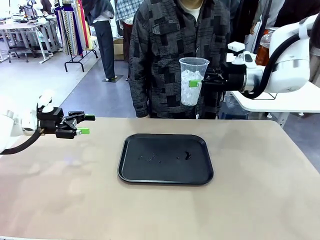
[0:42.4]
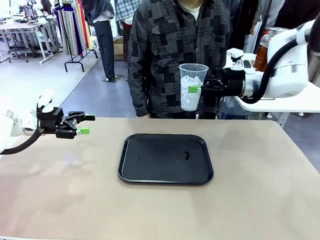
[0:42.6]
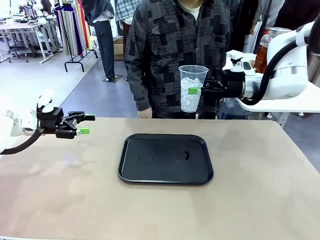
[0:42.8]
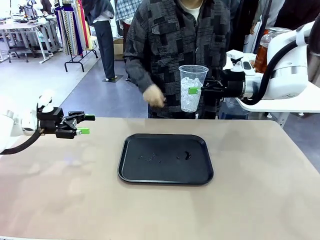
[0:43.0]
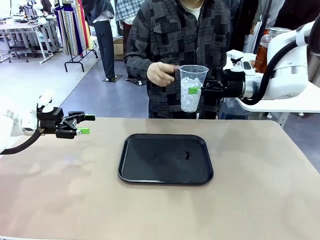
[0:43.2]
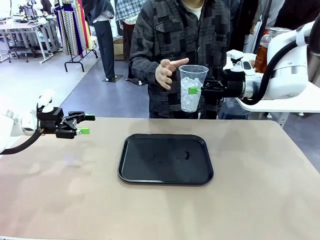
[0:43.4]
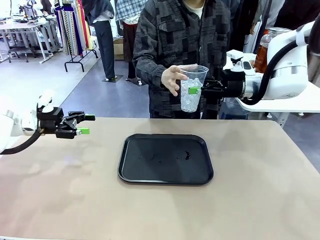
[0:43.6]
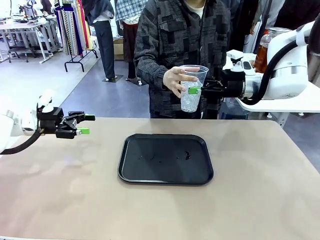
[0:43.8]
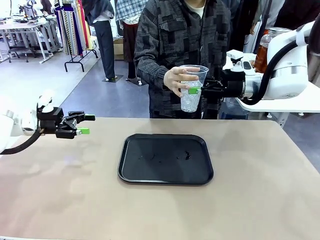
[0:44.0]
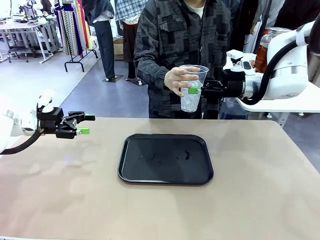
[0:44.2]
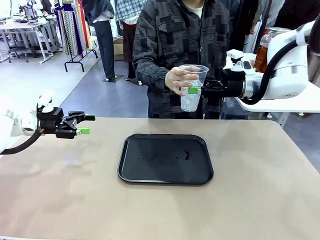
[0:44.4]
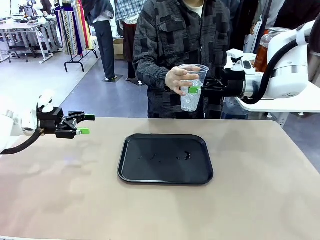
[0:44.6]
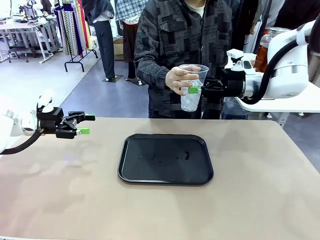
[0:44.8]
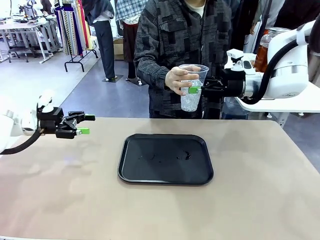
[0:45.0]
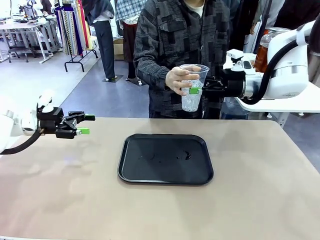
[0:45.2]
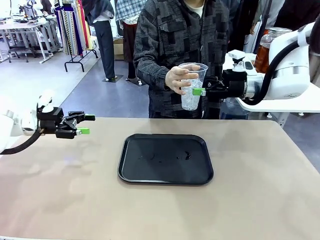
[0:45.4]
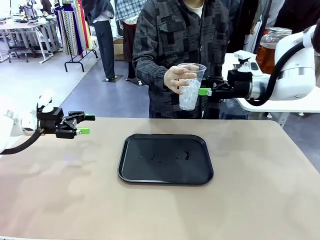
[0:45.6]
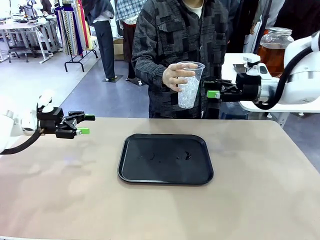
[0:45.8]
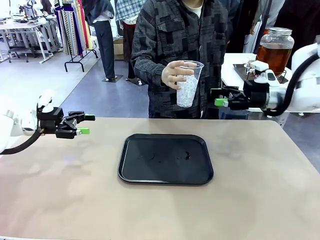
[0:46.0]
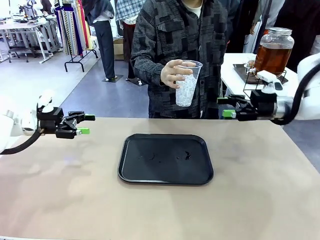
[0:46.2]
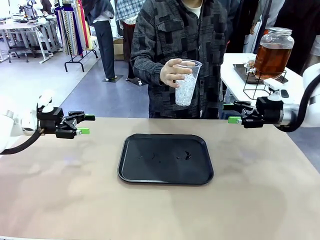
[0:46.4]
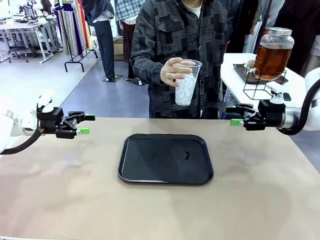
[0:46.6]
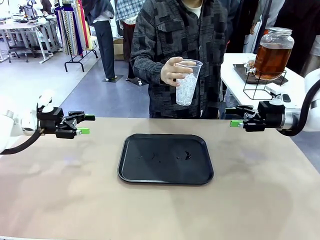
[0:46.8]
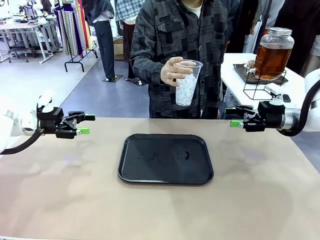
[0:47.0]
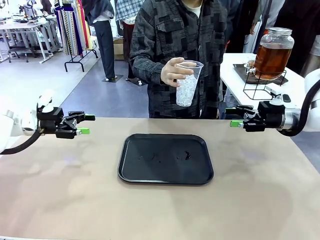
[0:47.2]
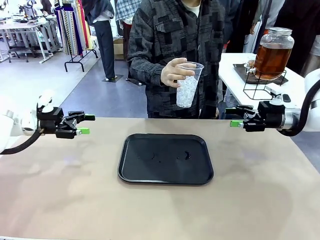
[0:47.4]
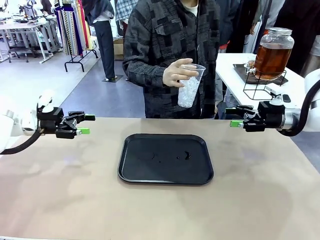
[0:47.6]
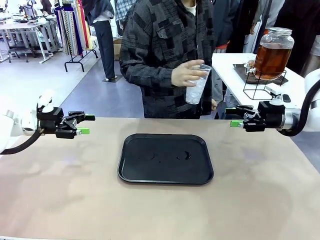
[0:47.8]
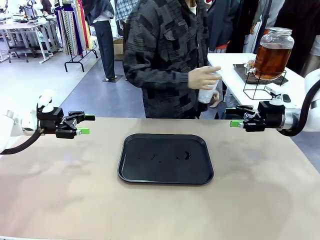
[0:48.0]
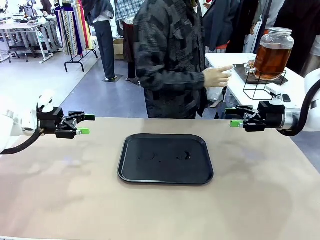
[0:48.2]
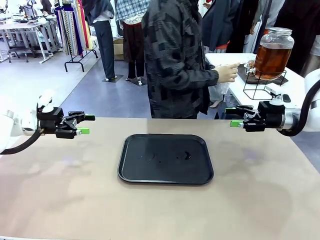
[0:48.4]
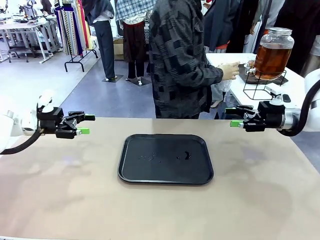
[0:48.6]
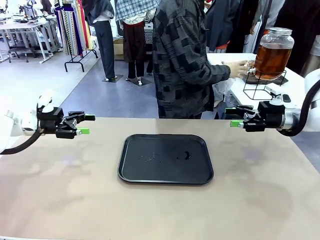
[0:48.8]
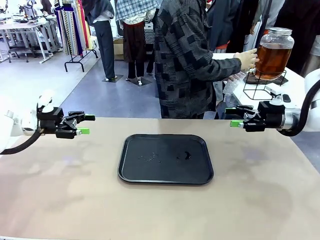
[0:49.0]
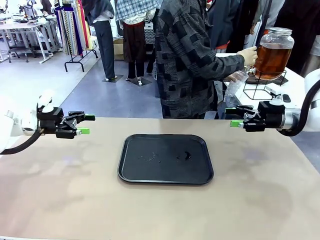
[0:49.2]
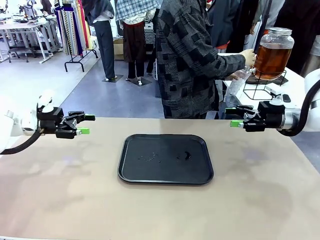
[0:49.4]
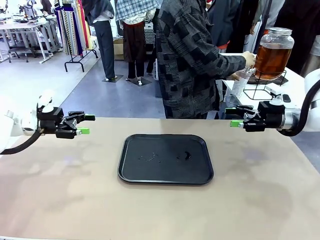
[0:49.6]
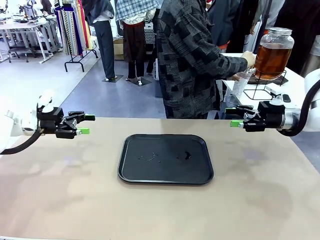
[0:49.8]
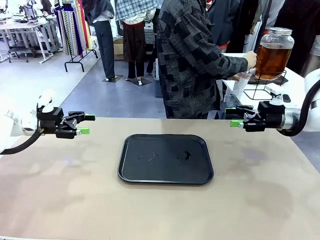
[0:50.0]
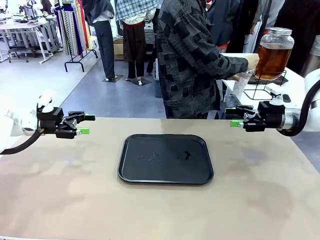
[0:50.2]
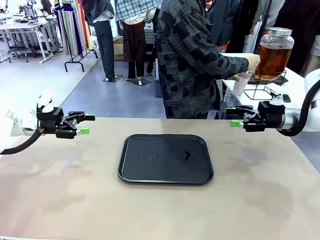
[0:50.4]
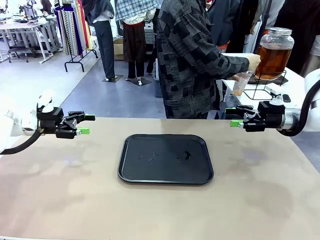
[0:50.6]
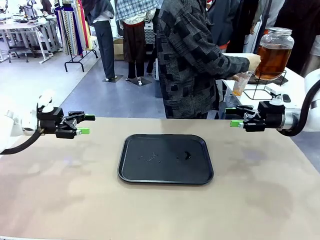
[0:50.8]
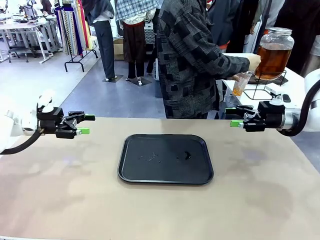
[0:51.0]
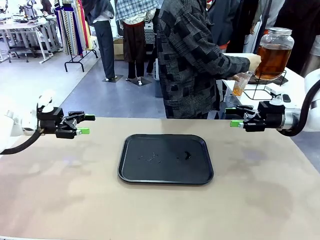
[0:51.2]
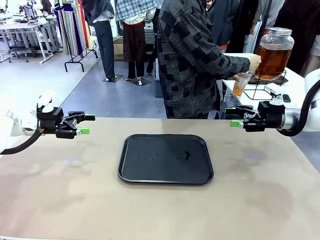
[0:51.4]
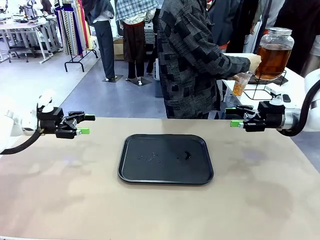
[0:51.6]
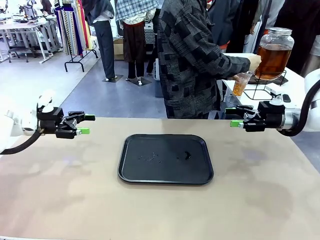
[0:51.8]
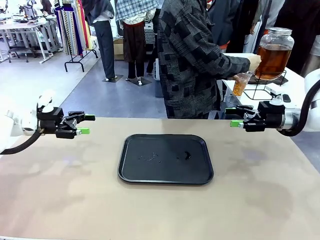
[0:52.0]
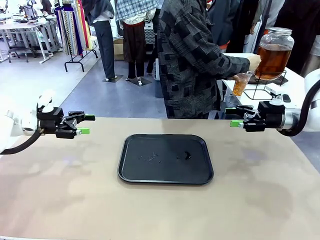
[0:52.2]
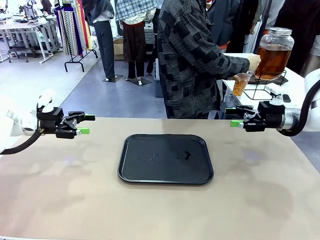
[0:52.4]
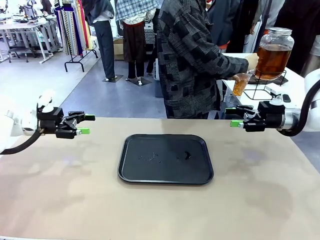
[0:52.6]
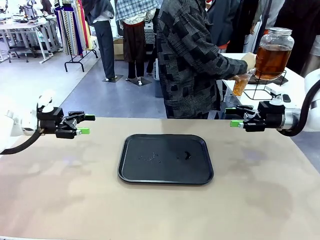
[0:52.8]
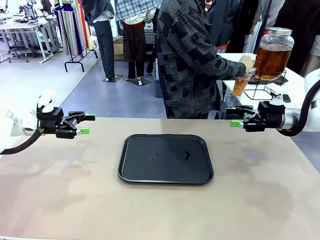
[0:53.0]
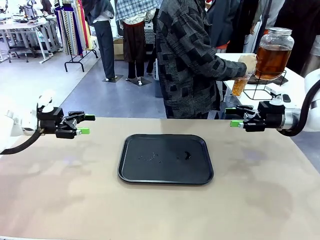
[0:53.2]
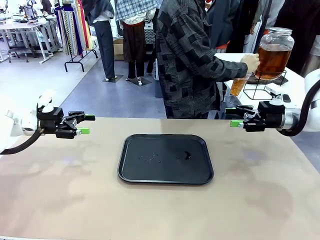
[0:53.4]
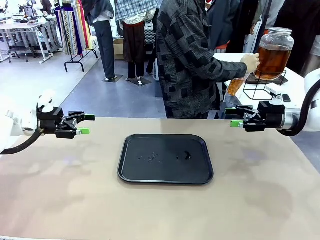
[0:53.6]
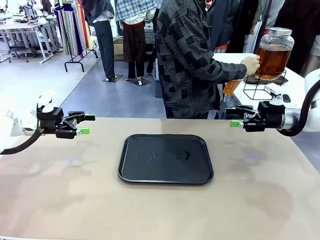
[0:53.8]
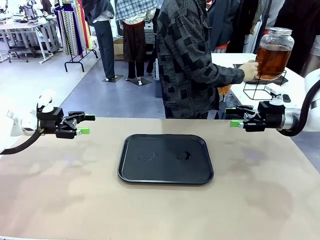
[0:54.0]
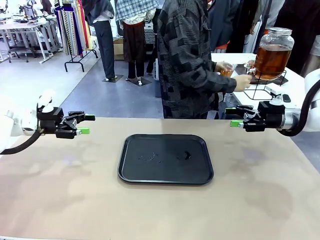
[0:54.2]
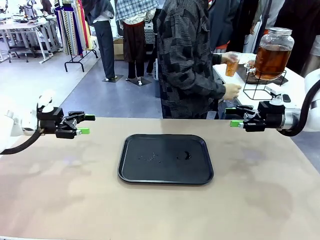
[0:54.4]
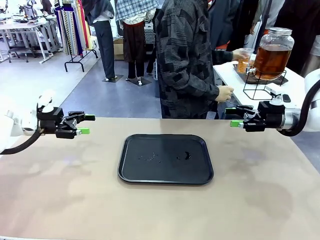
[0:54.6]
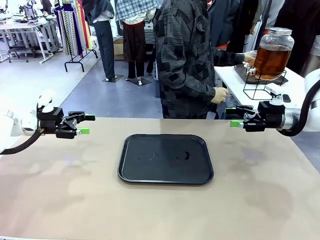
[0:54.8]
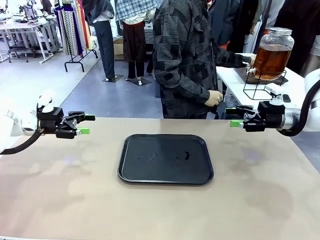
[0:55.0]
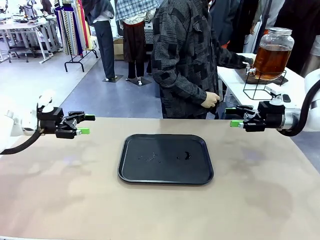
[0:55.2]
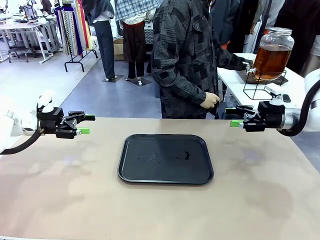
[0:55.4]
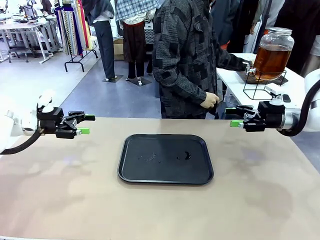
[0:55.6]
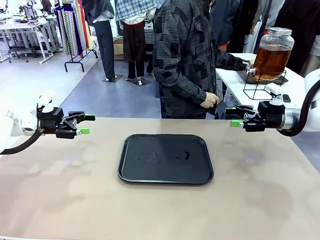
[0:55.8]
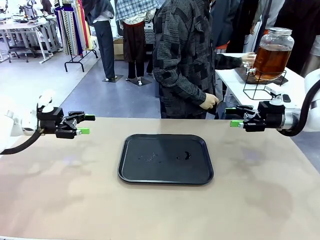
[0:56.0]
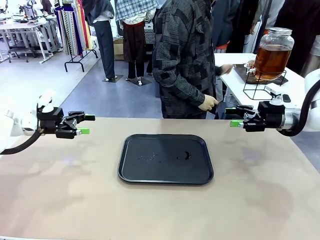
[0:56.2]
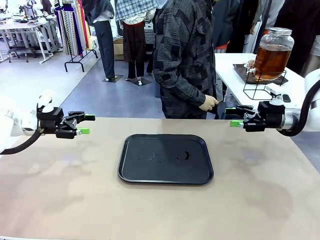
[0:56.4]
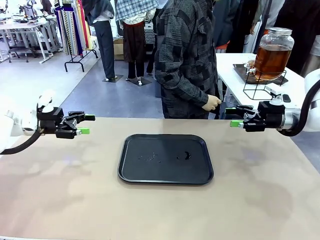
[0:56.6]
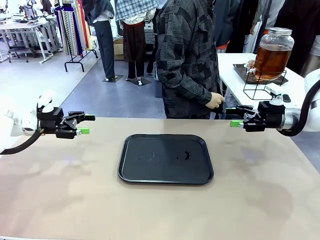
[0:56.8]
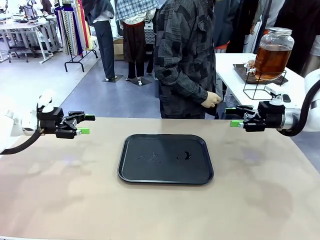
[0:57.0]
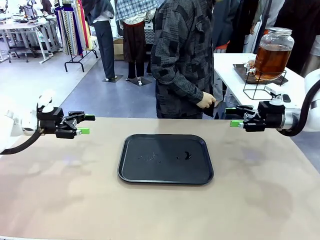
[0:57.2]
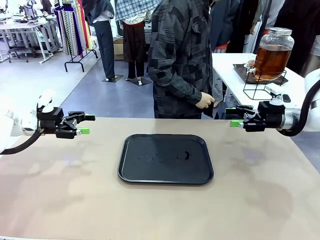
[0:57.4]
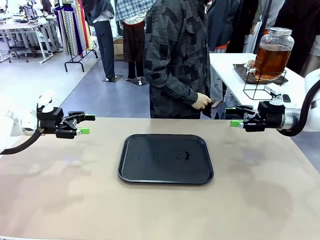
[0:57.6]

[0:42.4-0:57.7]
Task: Pour the drink into the iced cup.
Robot: Open the gripper to release the iced cup you were holding.
Person: Move the picked-up cup under the dispenser faucet, pour the drink, and place it on the tray on the human table.

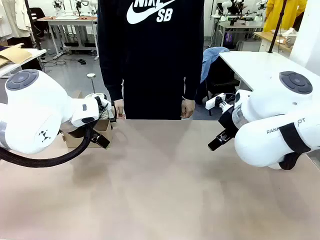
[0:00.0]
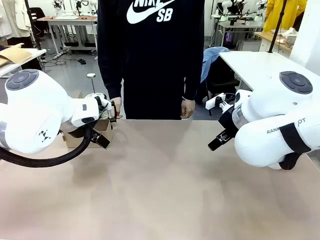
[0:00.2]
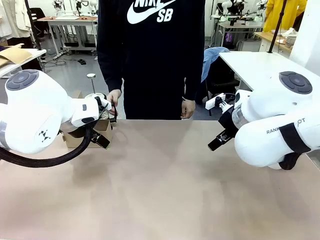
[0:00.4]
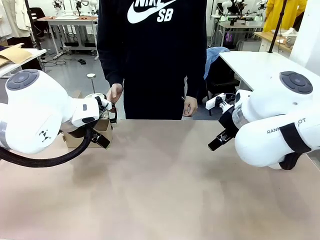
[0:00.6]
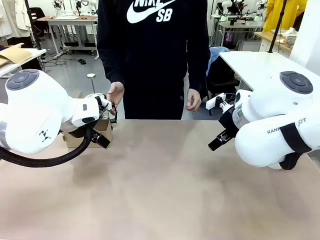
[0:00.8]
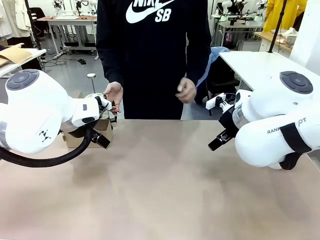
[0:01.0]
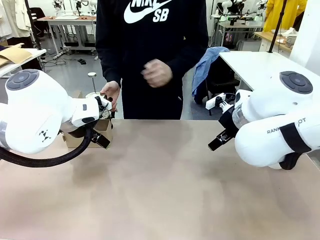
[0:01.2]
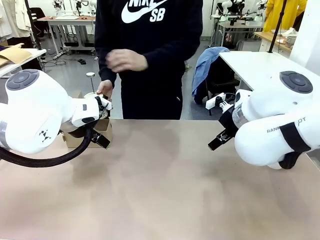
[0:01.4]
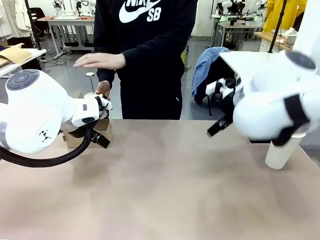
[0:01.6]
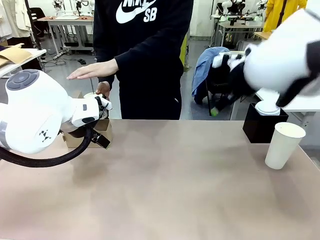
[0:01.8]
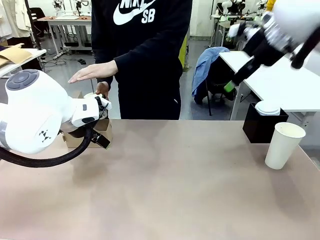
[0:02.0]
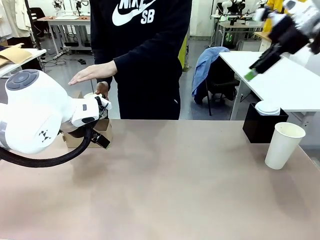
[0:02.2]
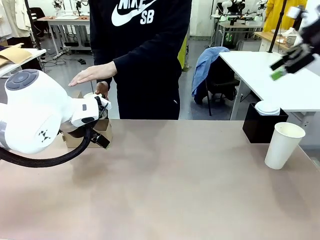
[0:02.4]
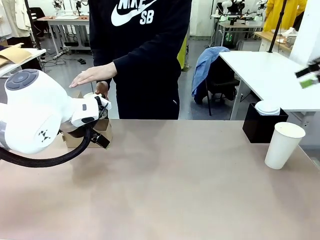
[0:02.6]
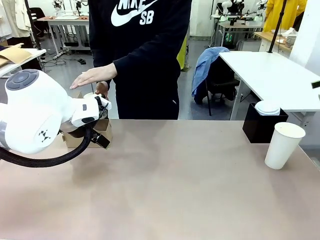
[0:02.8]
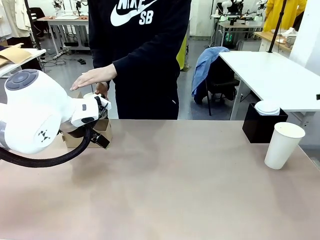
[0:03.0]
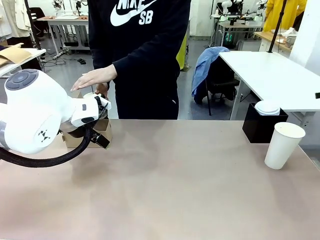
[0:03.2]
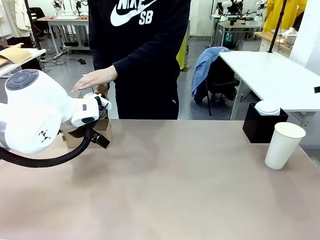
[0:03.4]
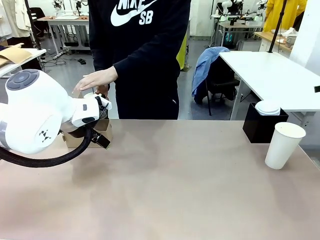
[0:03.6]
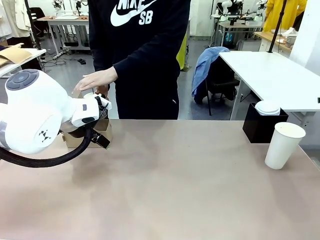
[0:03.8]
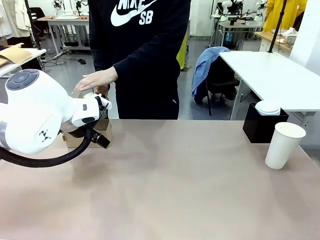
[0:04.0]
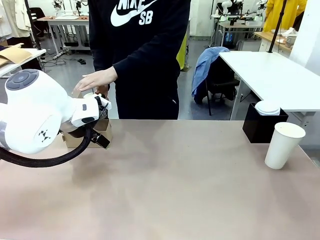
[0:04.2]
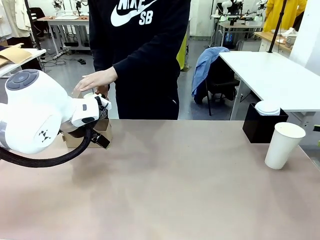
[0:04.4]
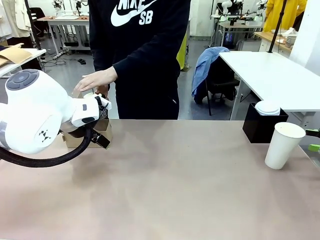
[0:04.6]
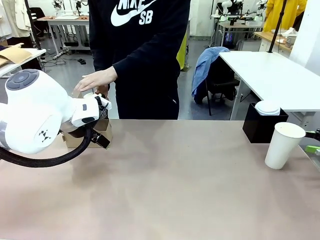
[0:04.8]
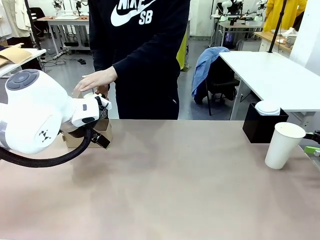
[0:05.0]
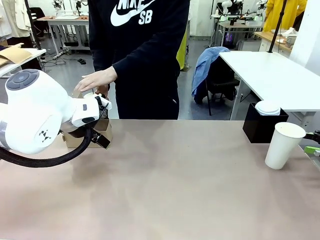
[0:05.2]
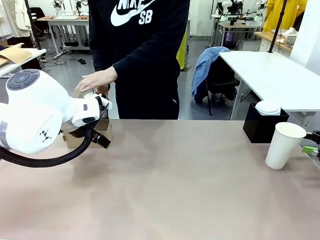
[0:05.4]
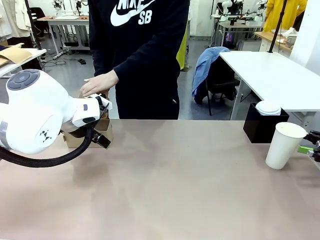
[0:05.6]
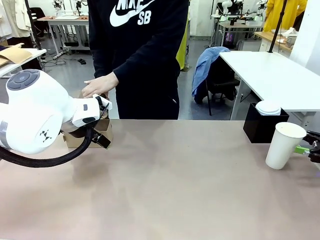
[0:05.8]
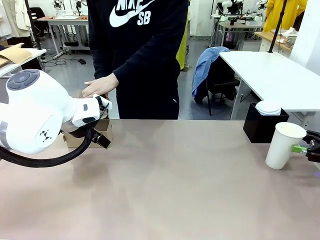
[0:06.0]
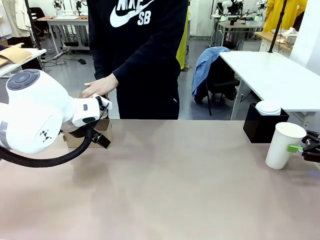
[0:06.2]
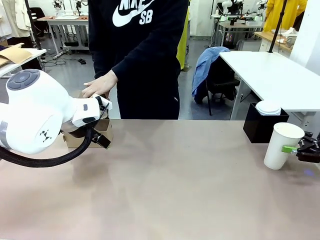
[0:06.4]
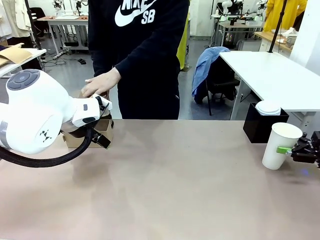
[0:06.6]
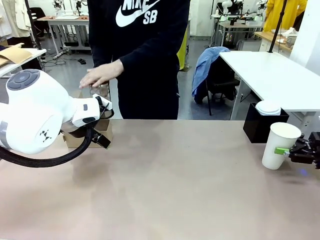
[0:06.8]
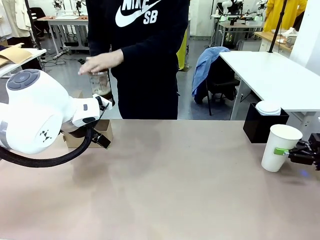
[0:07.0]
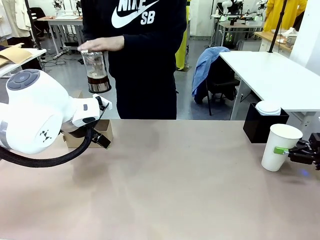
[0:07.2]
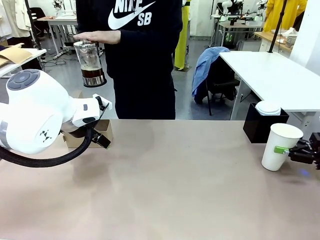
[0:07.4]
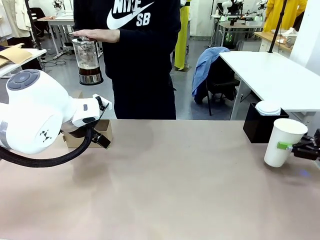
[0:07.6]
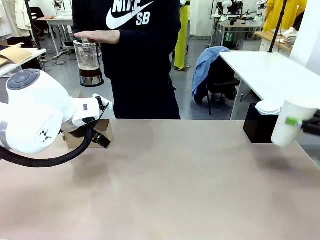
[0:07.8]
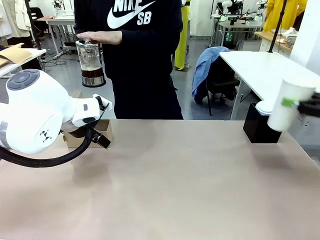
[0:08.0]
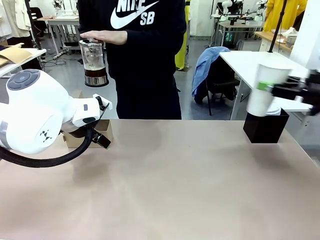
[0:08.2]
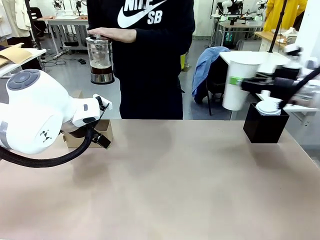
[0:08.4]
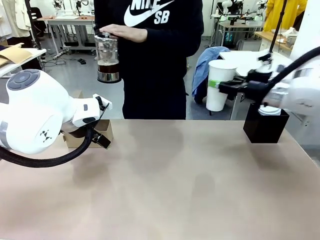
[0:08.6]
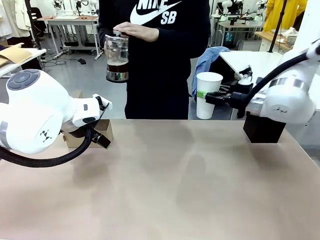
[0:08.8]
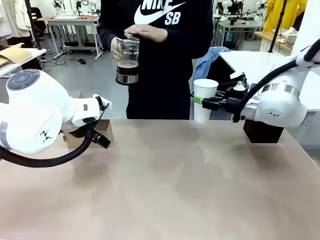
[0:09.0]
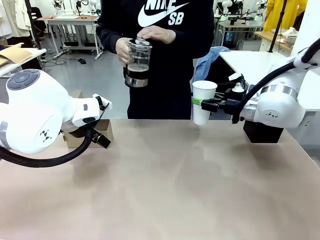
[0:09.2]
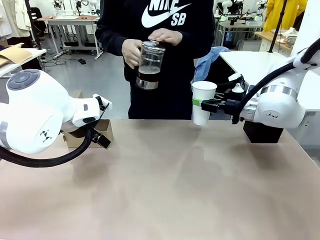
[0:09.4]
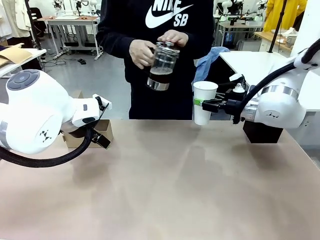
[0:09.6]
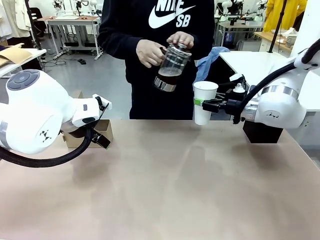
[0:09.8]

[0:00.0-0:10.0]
Task: Pour a drink into a cup and package it in a carrier.
Robot: Pick up the 600 ml Paper Cup and place it in the middle top area of the table.
Person: Press and pick up the Filter Brewing.
